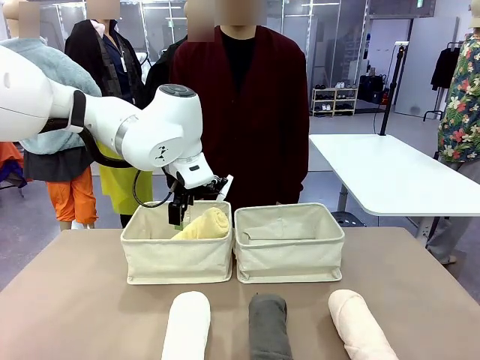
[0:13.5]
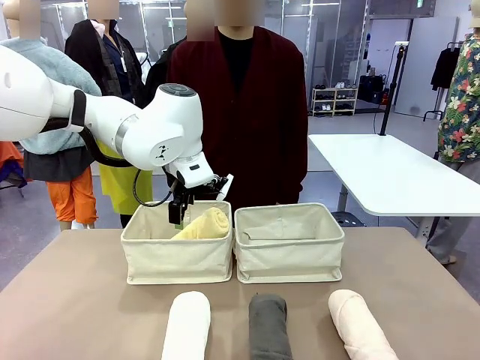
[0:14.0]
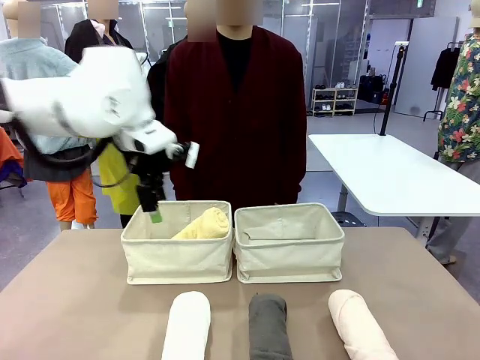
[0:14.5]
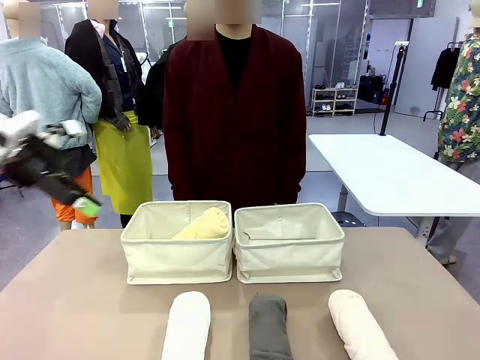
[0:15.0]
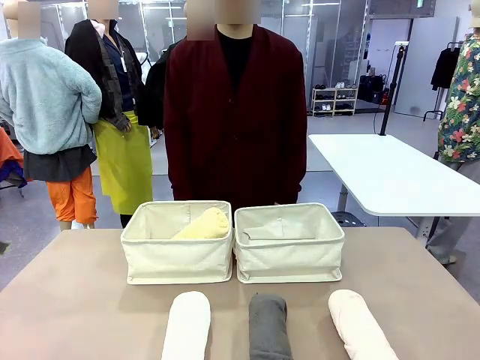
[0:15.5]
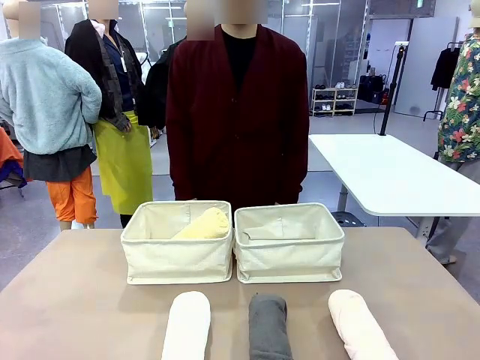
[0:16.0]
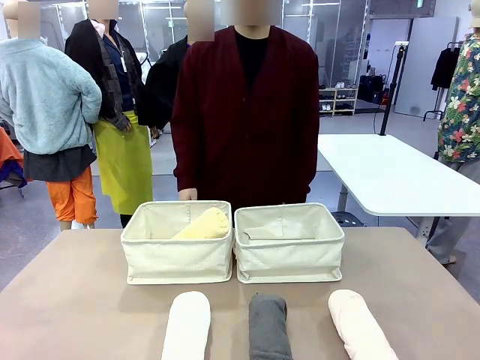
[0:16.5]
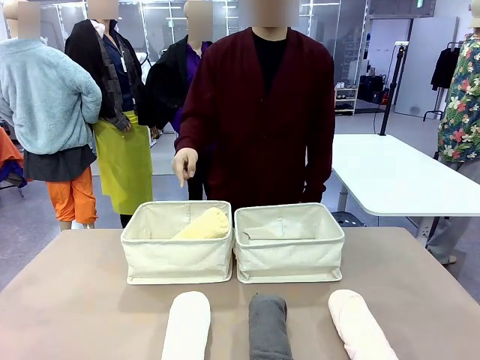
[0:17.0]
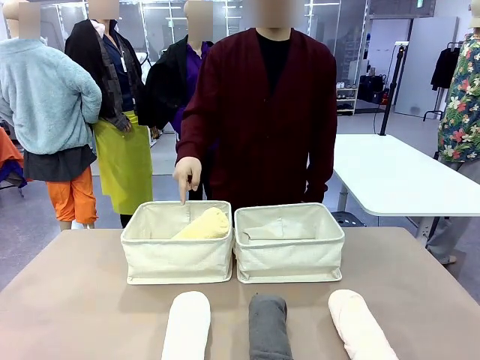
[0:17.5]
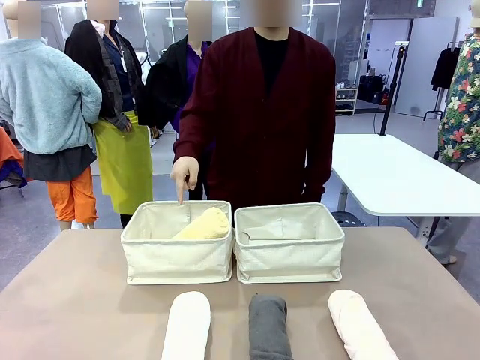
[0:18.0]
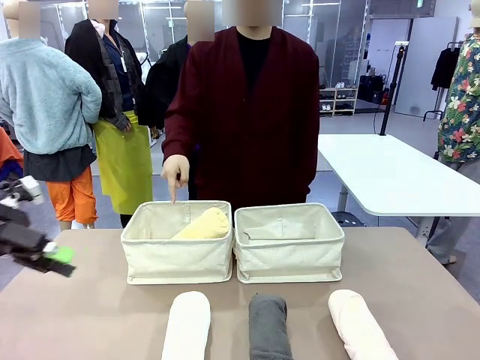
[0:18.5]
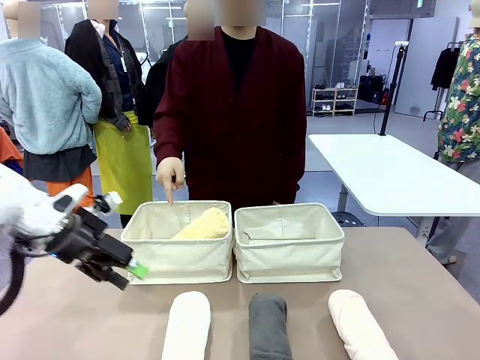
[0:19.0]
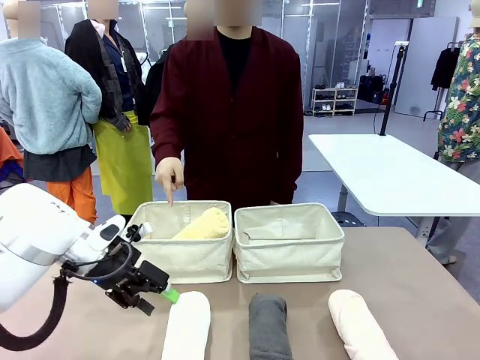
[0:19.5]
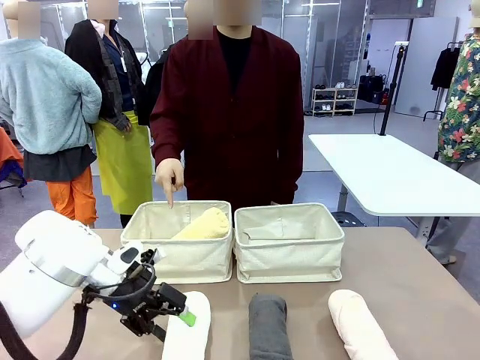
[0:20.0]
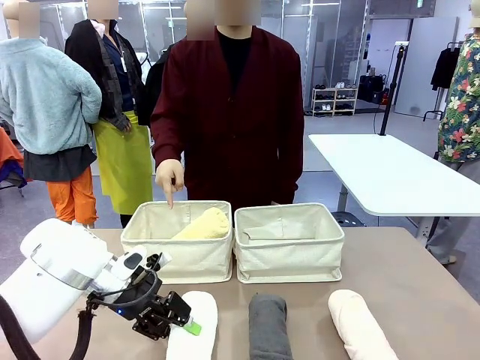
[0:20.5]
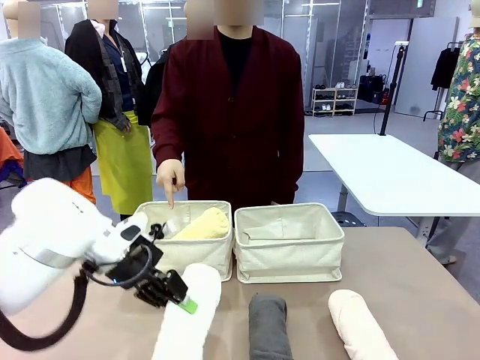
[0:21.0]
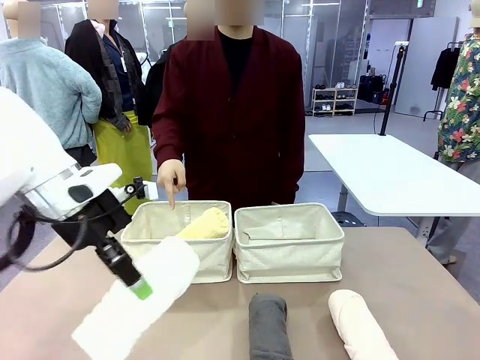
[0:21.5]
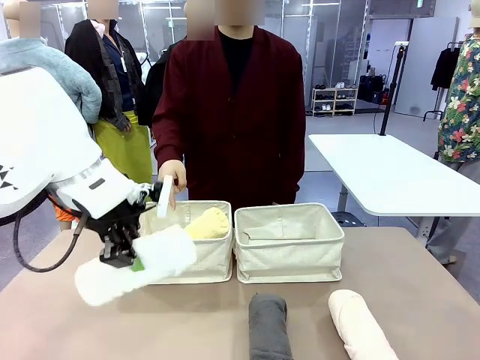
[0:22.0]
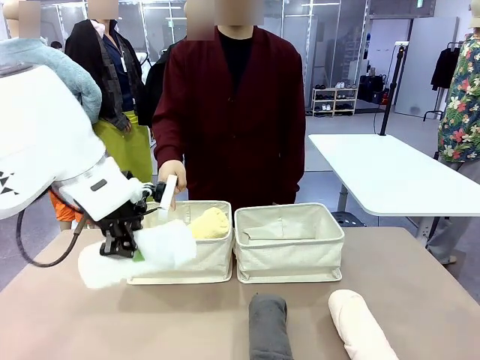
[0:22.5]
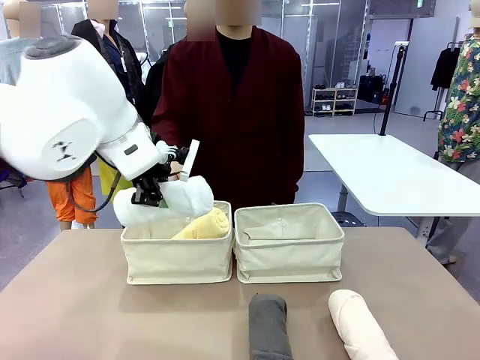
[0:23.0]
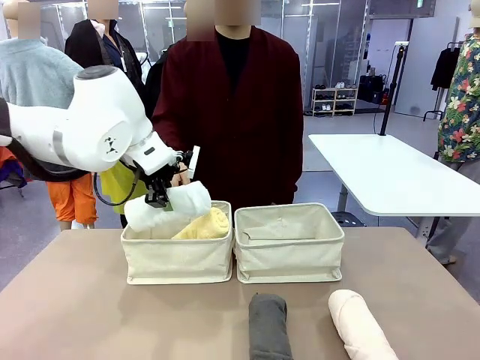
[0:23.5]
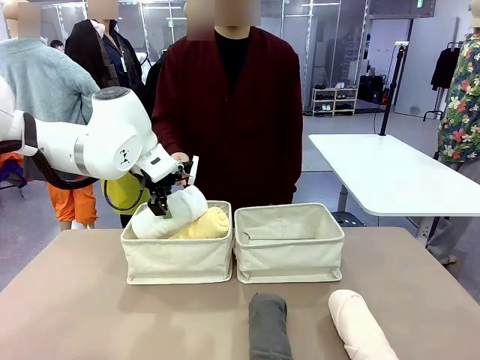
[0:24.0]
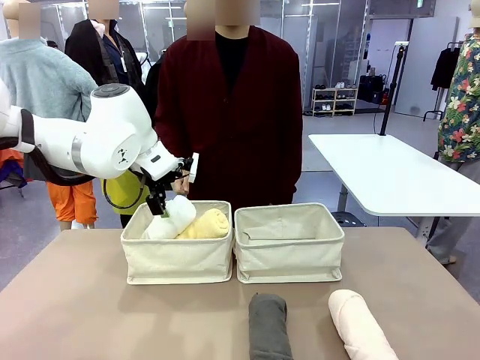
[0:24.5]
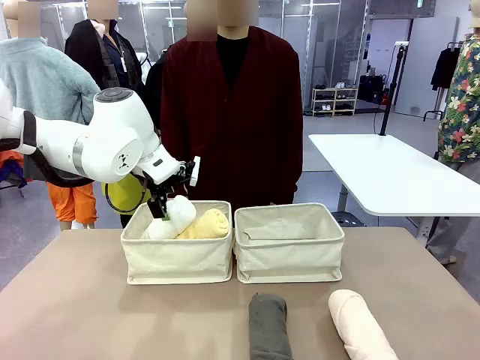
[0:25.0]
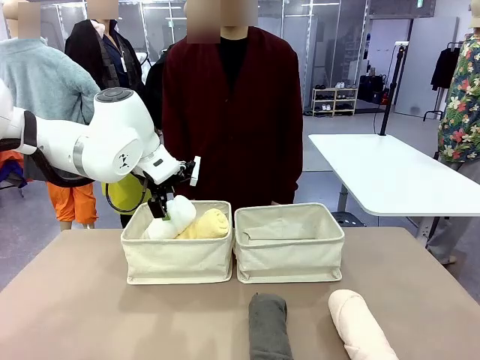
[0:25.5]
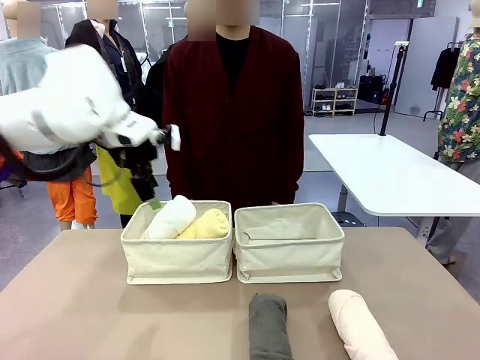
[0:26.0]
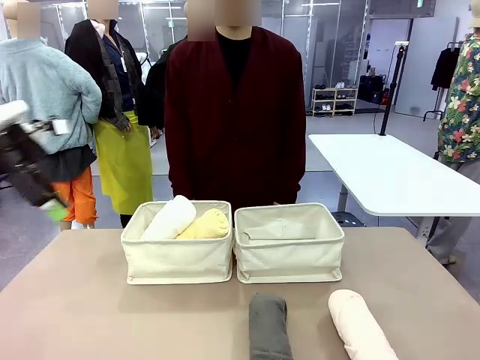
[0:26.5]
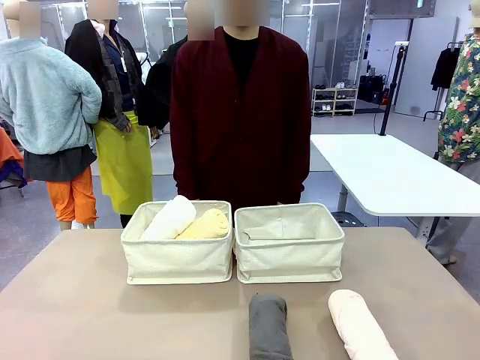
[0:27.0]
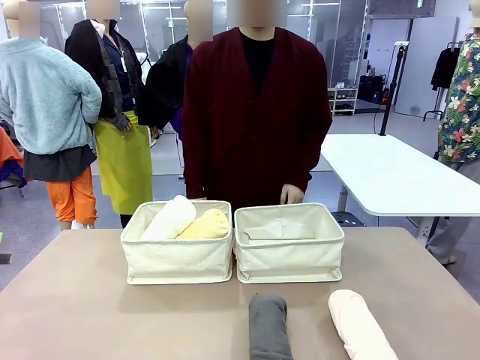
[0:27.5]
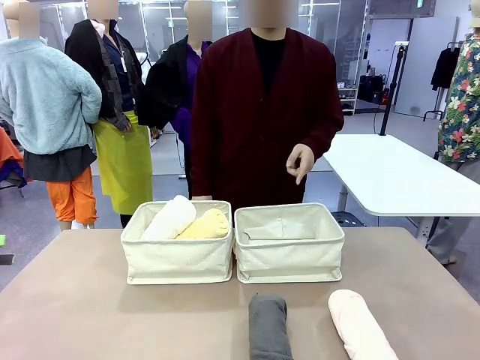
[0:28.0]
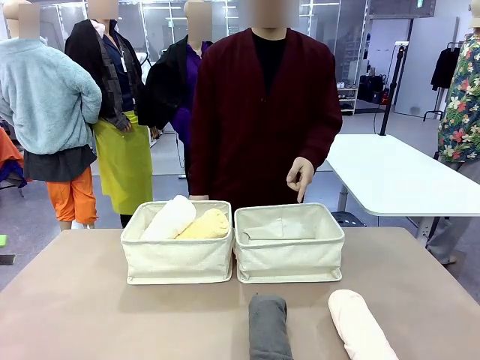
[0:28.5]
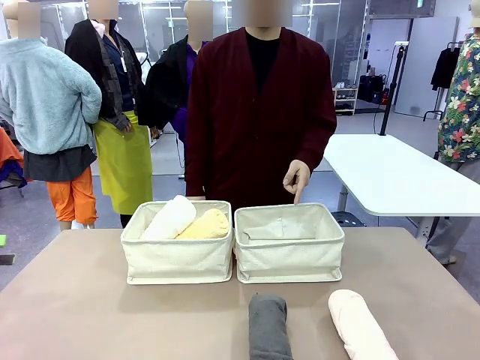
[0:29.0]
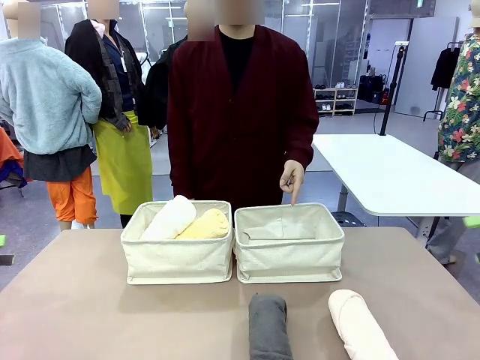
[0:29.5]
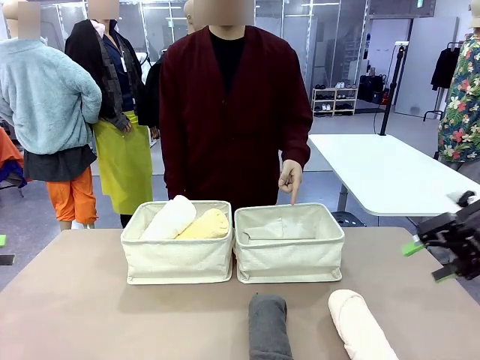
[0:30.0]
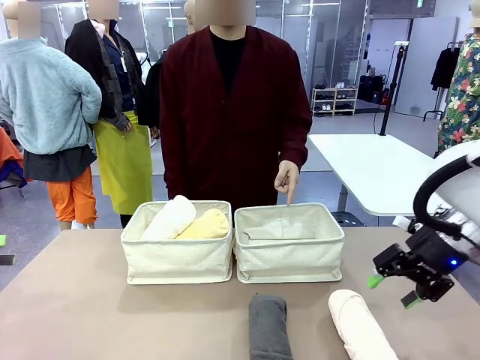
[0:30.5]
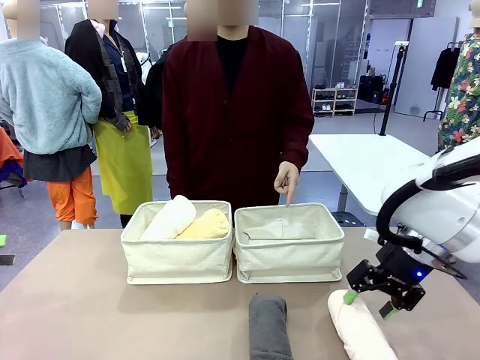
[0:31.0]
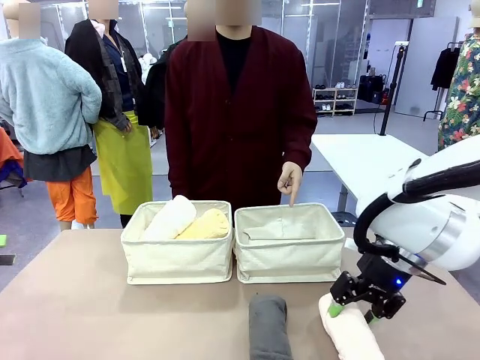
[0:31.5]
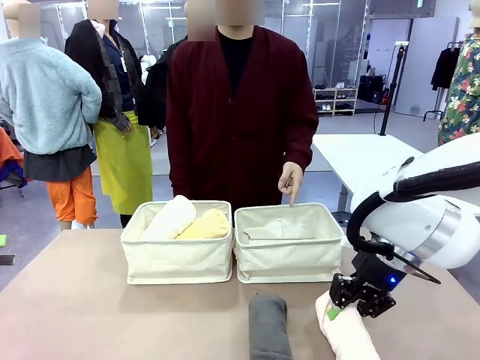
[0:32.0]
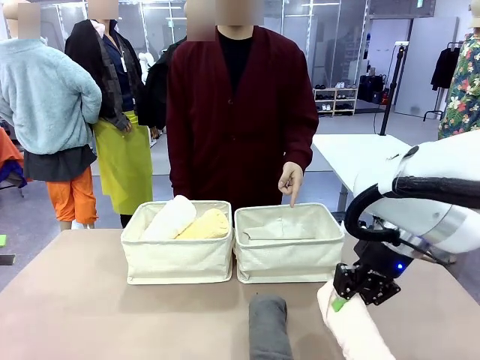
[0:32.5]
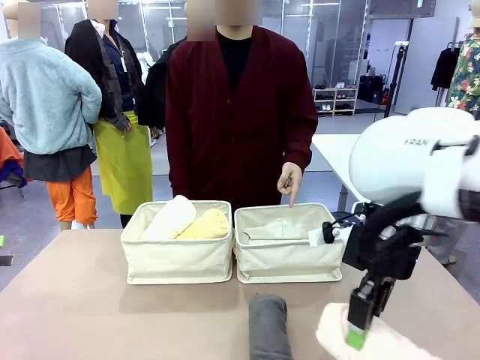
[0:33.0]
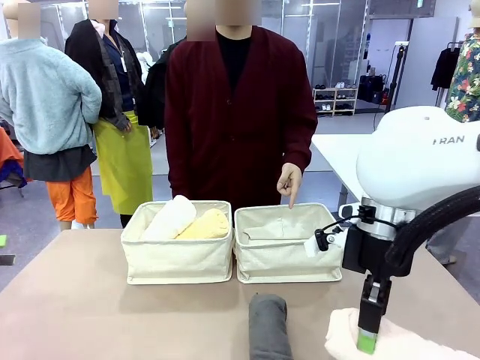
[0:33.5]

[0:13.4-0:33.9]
Task: Divide the towels into two baskets.
Robot: Pick up one hotel-folded towel from the bottom of the table and place it in the Fabric basket indicated by the person.
